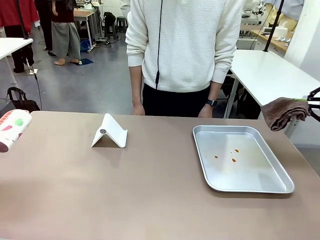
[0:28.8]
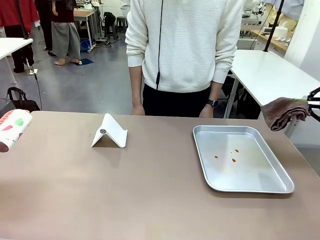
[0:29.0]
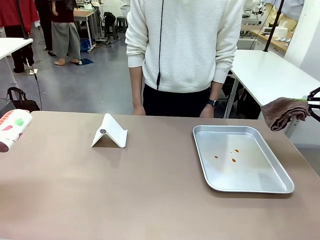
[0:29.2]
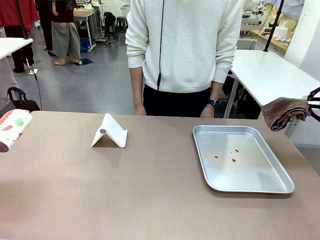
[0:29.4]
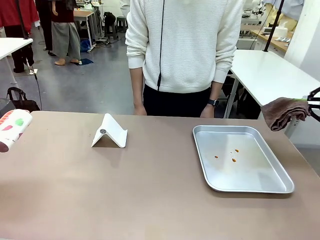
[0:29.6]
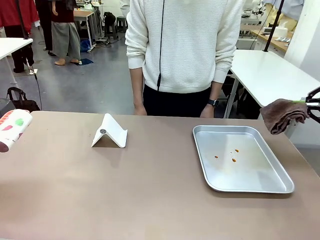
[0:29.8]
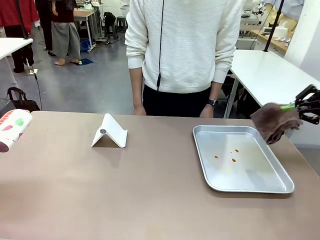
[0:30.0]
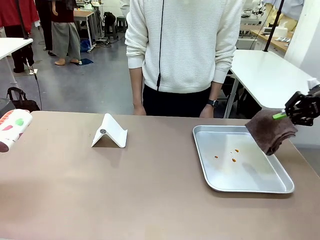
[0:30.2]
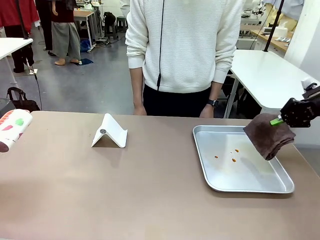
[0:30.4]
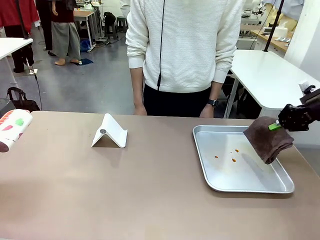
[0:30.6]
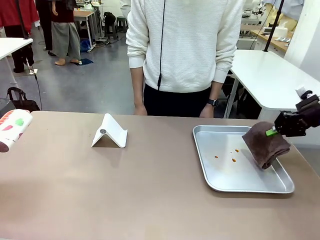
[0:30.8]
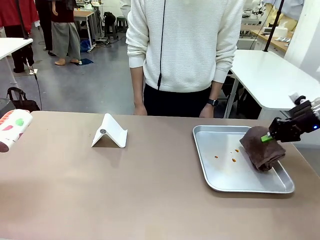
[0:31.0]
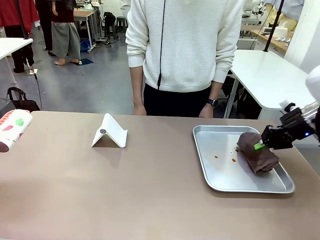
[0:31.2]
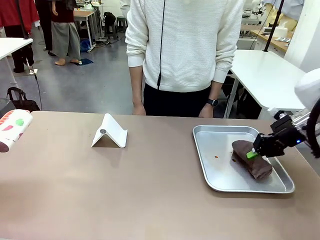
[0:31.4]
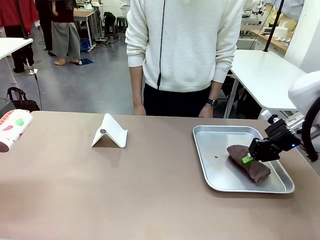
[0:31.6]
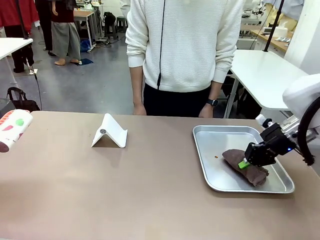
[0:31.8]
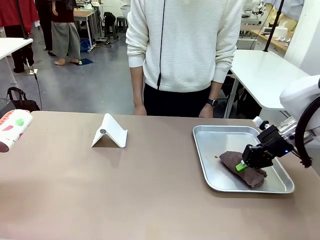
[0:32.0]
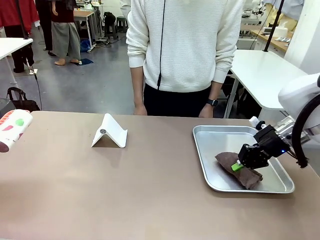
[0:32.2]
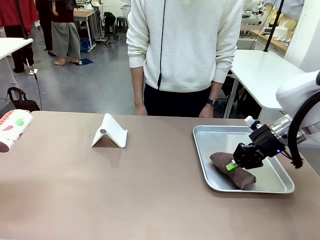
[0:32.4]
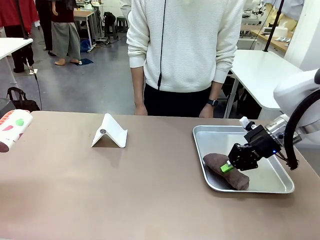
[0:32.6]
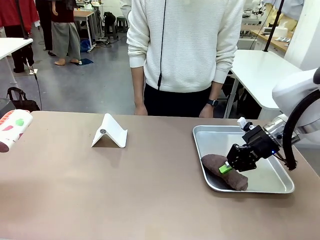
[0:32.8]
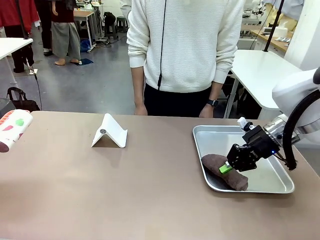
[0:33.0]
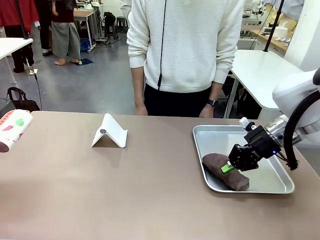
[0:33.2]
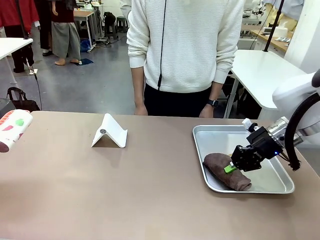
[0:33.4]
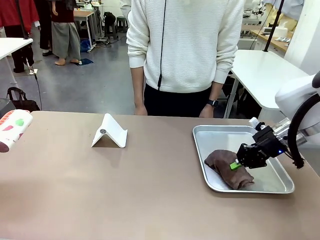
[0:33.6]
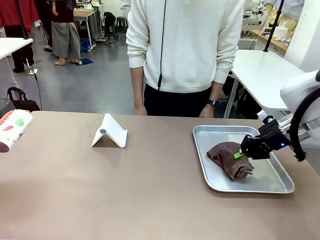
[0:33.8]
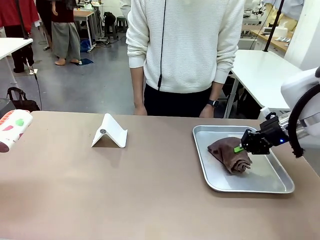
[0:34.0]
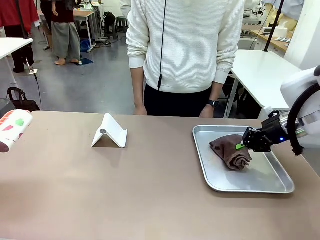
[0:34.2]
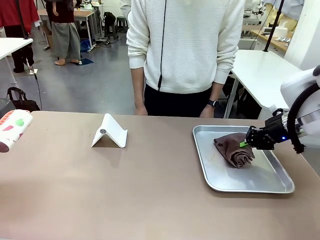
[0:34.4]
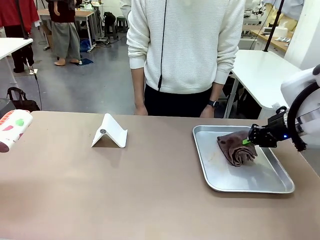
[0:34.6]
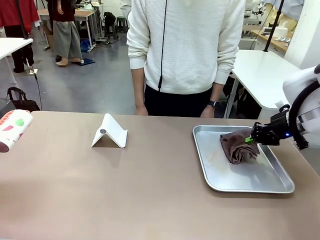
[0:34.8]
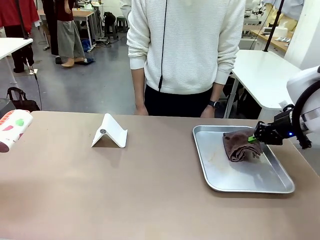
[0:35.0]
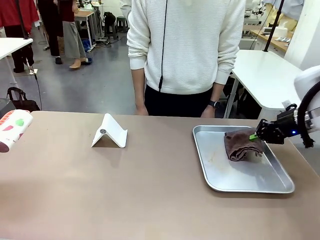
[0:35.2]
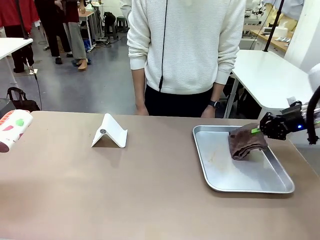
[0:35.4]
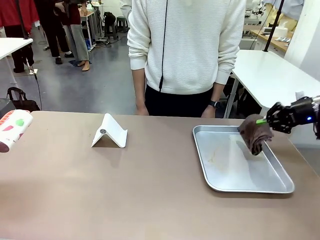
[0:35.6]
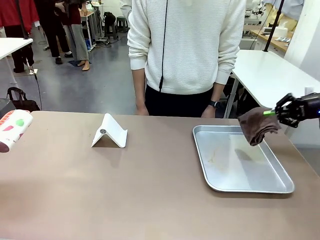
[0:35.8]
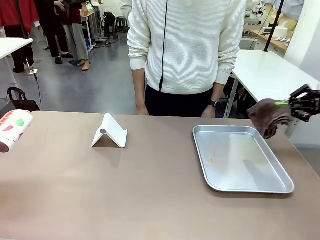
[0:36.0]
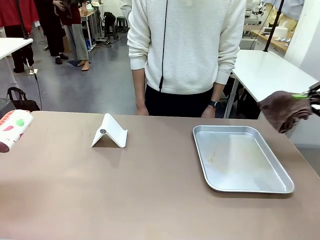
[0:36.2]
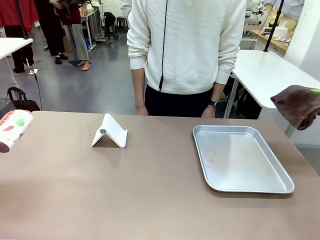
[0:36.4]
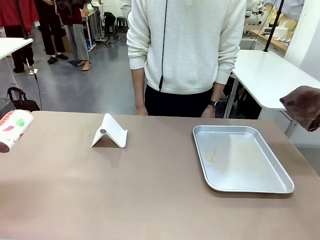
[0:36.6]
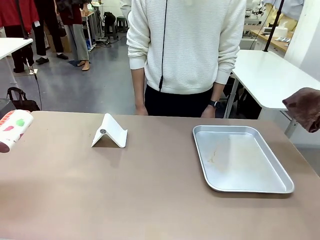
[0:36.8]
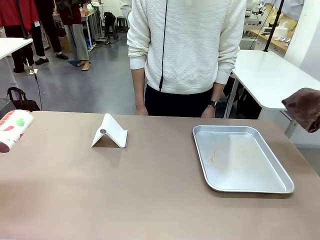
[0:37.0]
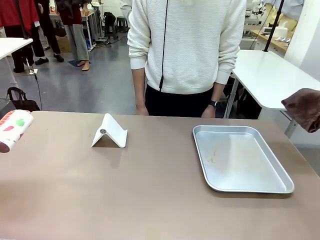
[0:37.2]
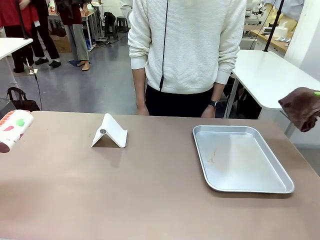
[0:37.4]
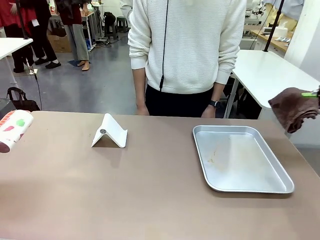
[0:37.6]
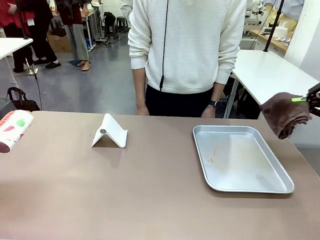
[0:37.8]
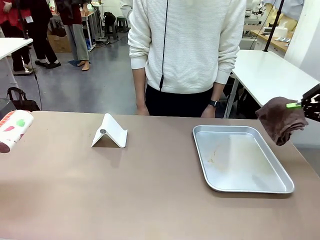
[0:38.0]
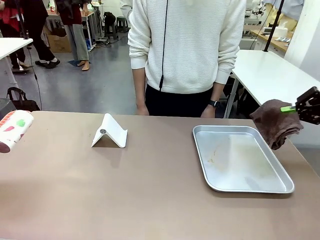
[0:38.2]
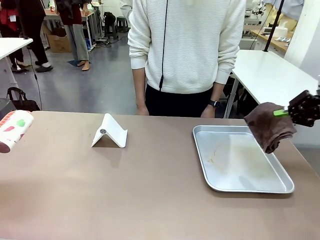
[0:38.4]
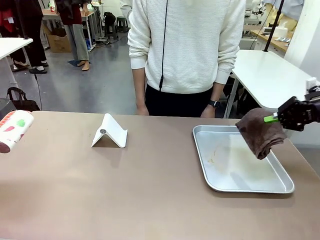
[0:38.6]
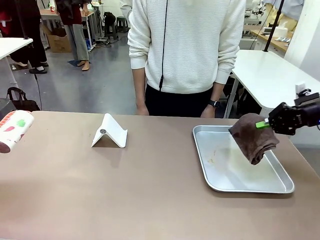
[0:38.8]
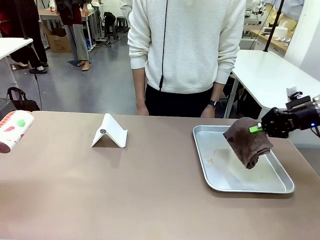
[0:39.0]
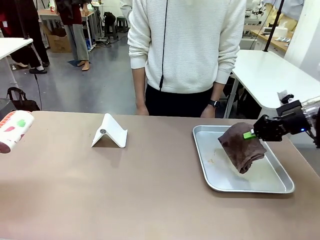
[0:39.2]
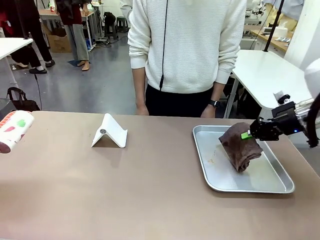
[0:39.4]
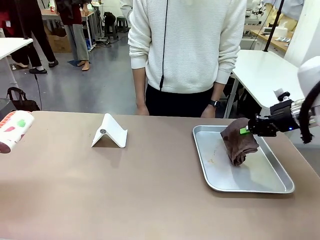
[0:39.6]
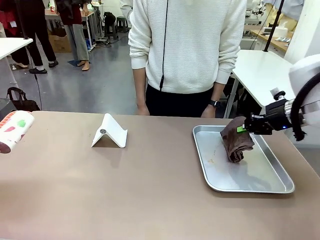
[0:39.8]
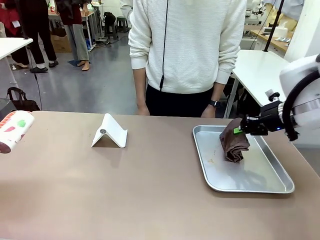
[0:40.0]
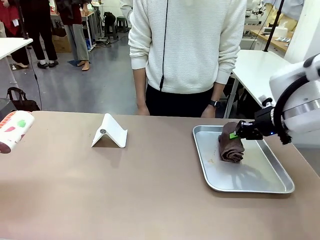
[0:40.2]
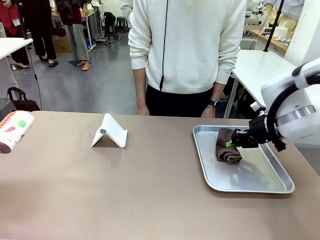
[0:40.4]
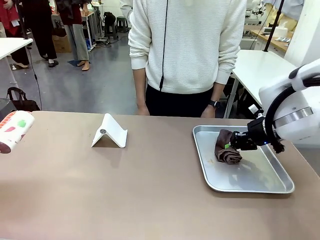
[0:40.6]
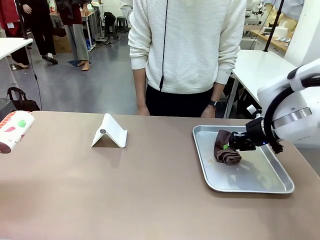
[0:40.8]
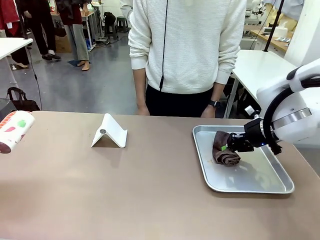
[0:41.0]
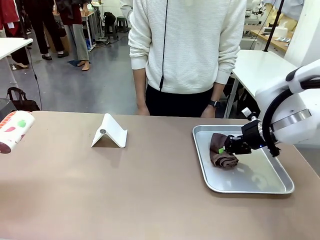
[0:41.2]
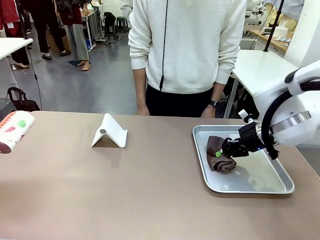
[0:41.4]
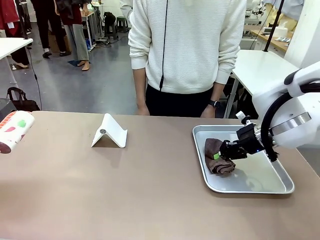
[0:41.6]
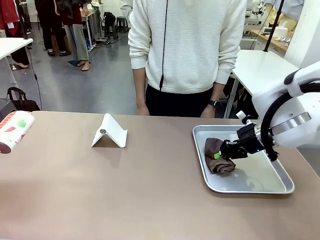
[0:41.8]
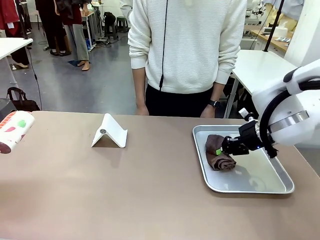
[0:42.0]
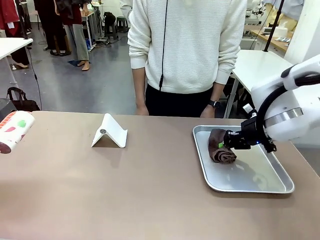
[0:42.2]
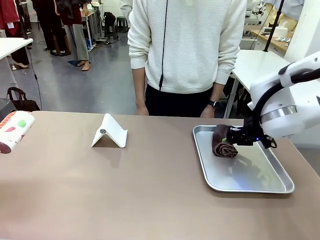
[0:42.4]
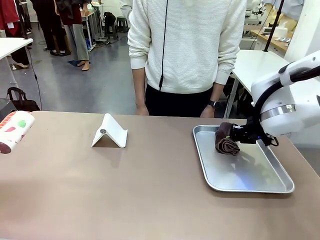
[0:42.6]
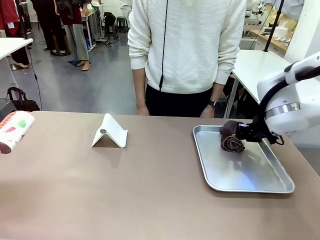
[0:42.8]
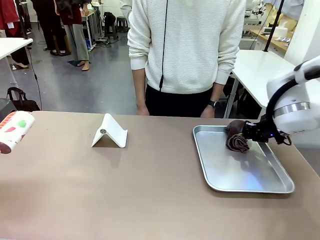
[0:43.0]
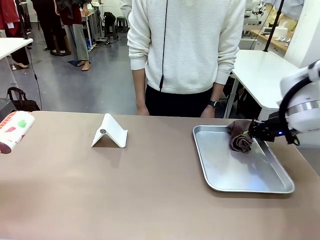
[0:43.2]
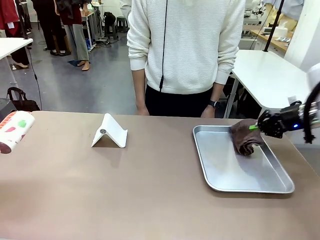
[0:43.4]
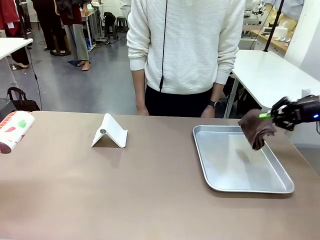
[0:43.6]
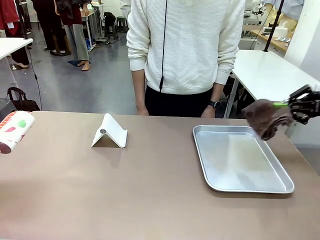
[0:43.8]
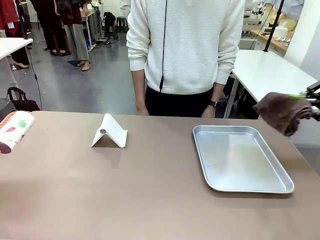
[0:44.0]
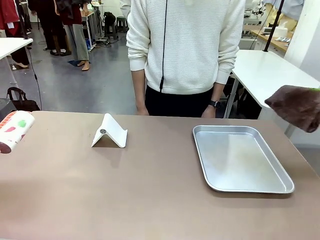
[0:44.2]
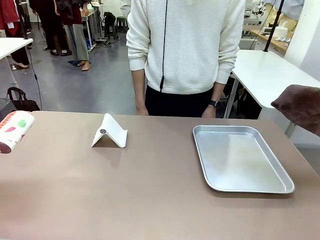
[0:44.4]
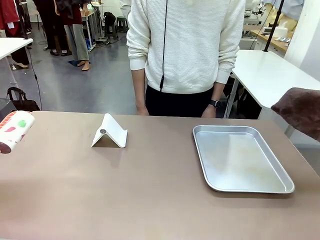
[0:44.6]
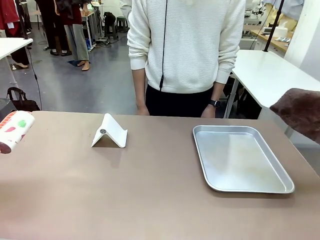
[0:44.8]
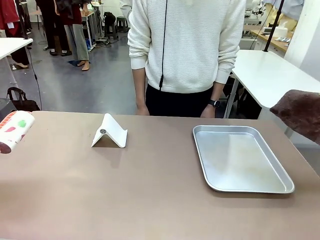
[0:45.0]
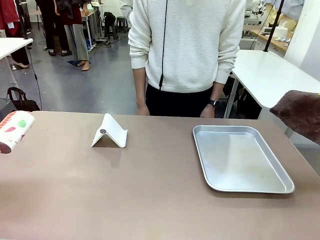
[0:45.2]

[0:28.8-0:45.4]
Task: Clean the surface of the table.
Robot: Clean the area not pointed to by the person.
